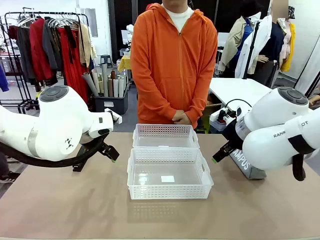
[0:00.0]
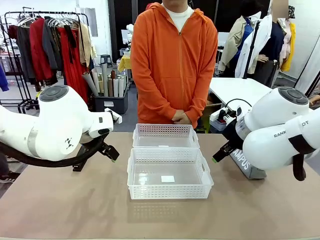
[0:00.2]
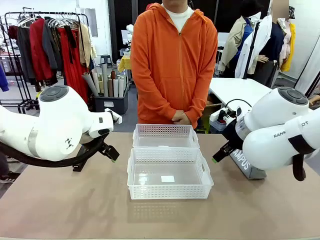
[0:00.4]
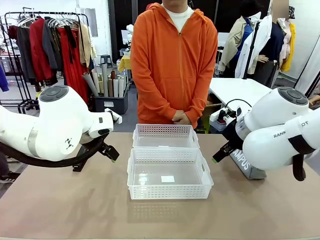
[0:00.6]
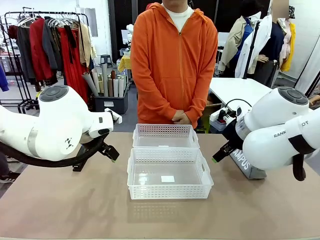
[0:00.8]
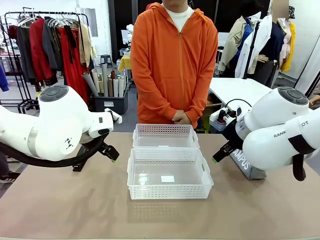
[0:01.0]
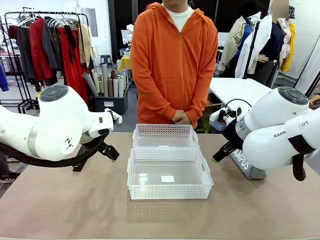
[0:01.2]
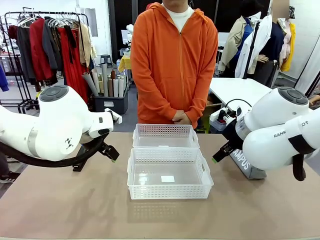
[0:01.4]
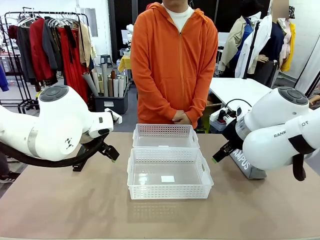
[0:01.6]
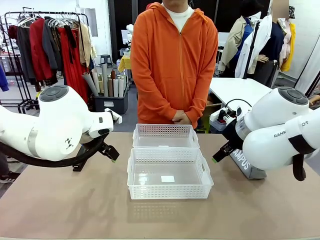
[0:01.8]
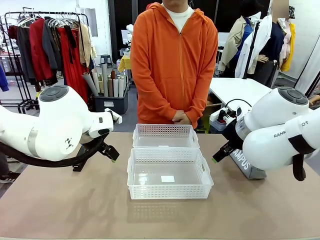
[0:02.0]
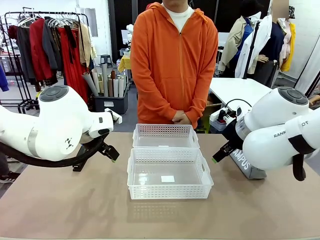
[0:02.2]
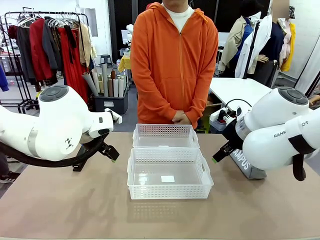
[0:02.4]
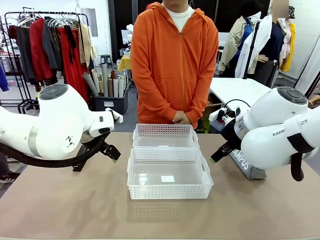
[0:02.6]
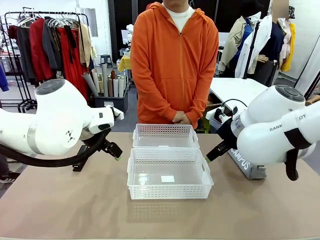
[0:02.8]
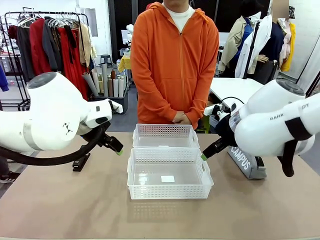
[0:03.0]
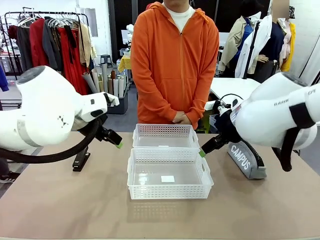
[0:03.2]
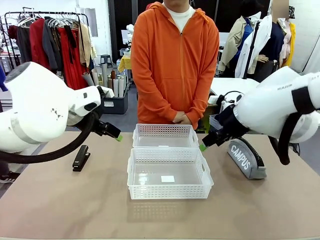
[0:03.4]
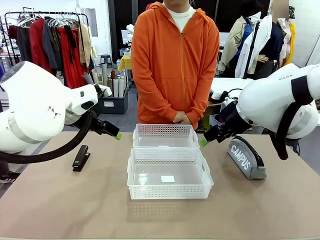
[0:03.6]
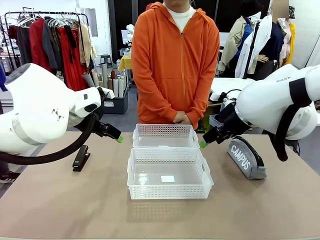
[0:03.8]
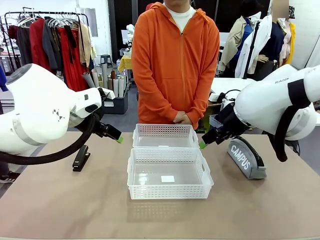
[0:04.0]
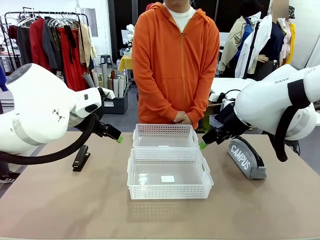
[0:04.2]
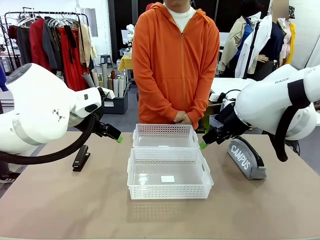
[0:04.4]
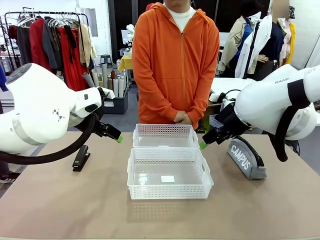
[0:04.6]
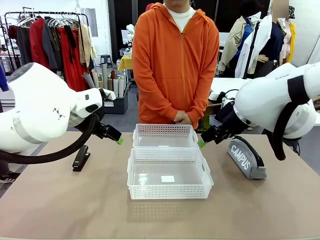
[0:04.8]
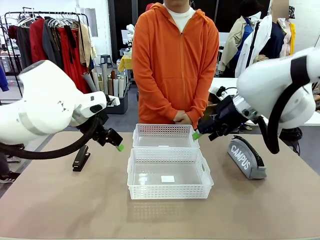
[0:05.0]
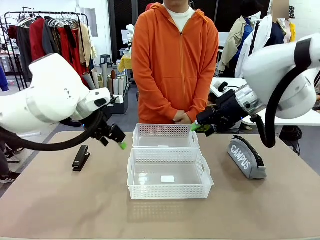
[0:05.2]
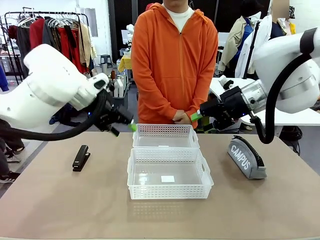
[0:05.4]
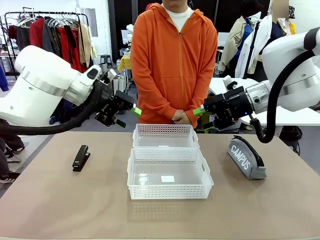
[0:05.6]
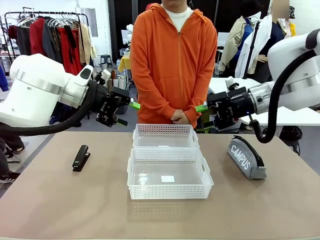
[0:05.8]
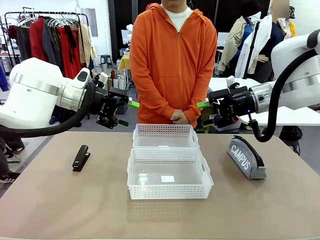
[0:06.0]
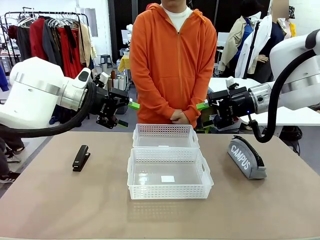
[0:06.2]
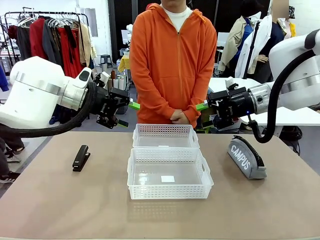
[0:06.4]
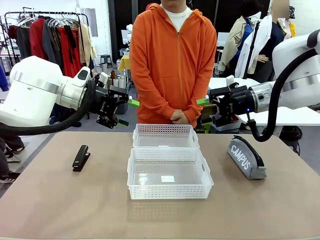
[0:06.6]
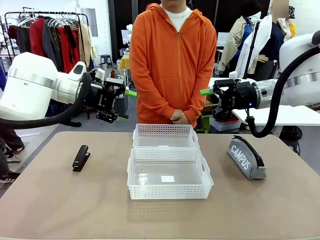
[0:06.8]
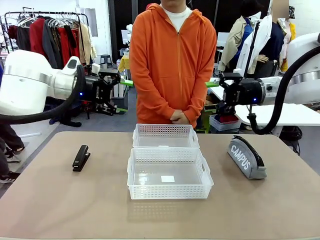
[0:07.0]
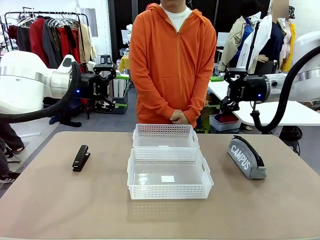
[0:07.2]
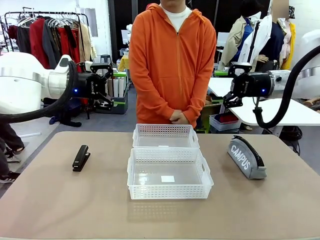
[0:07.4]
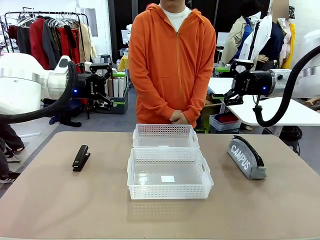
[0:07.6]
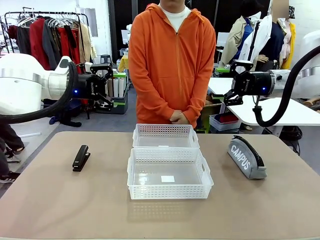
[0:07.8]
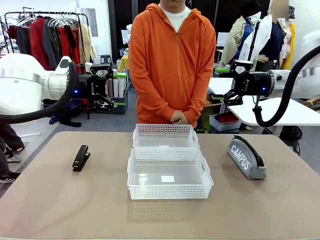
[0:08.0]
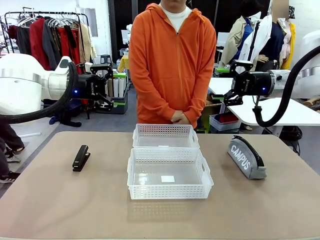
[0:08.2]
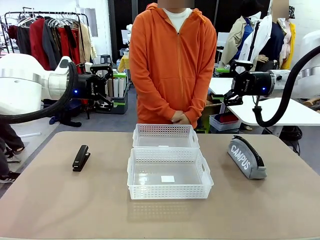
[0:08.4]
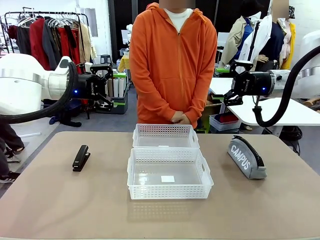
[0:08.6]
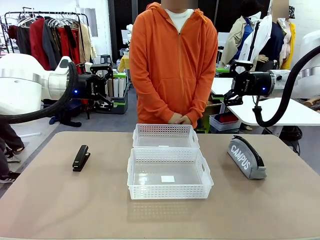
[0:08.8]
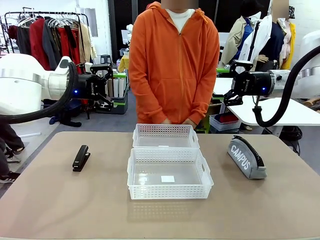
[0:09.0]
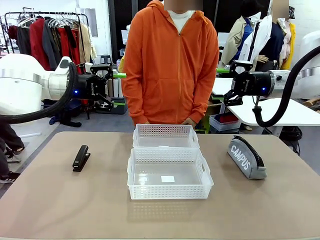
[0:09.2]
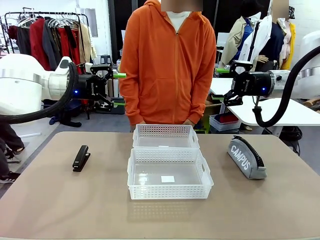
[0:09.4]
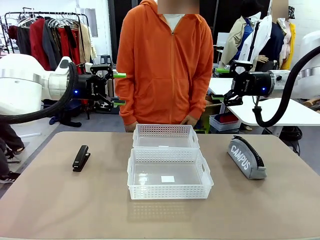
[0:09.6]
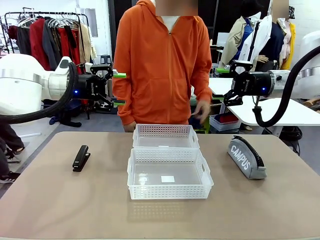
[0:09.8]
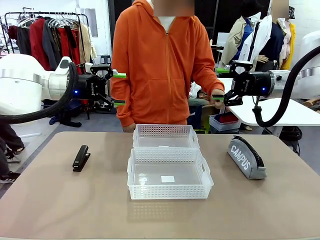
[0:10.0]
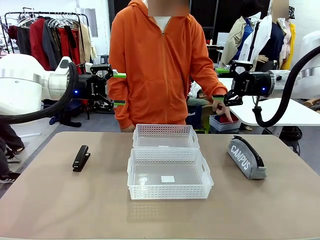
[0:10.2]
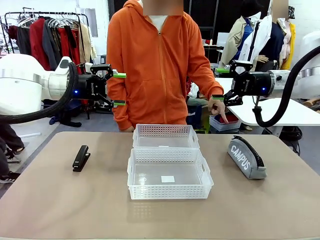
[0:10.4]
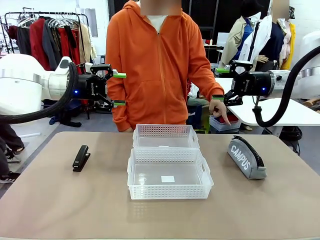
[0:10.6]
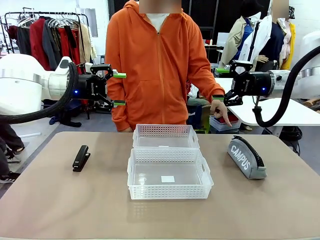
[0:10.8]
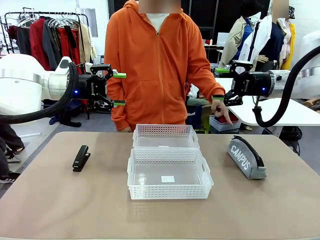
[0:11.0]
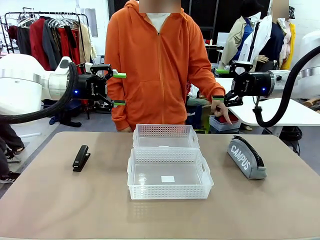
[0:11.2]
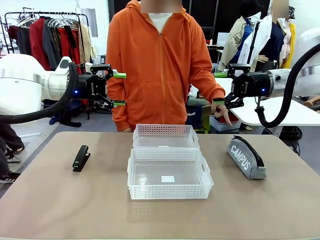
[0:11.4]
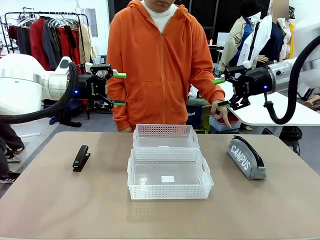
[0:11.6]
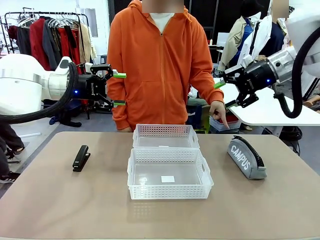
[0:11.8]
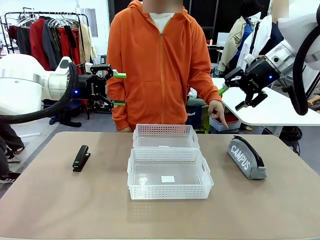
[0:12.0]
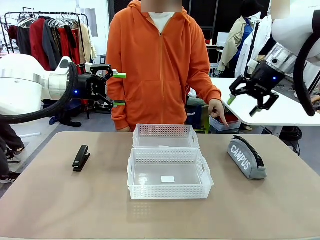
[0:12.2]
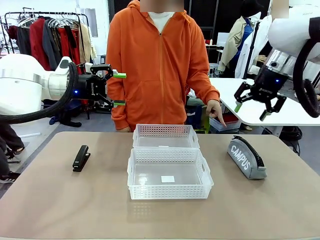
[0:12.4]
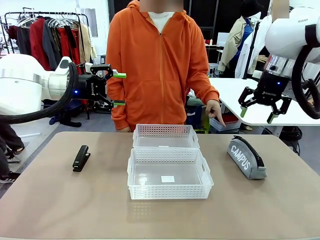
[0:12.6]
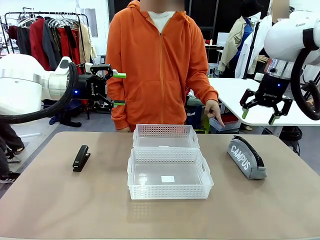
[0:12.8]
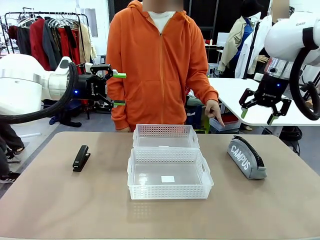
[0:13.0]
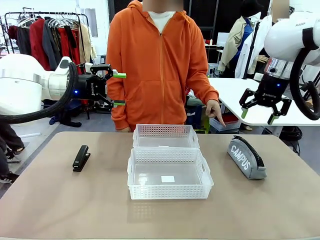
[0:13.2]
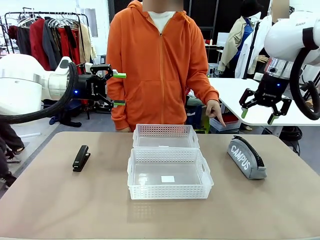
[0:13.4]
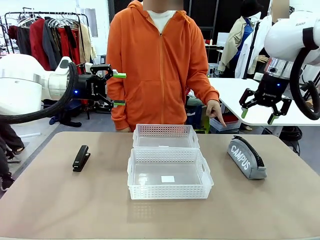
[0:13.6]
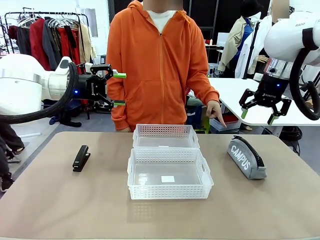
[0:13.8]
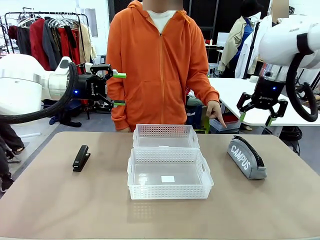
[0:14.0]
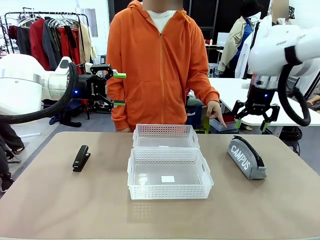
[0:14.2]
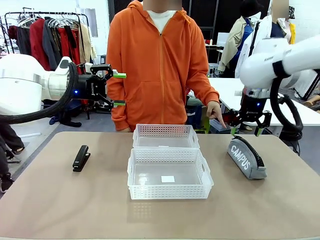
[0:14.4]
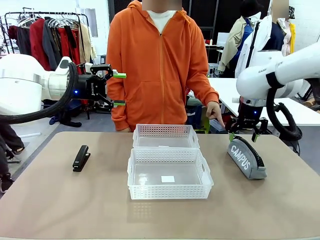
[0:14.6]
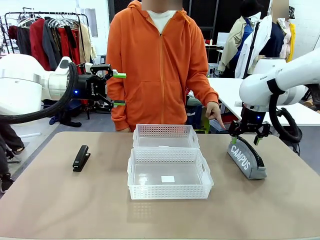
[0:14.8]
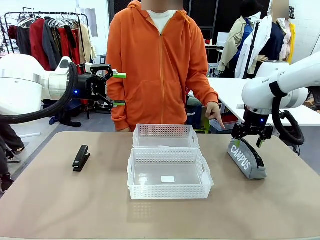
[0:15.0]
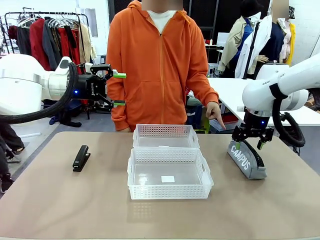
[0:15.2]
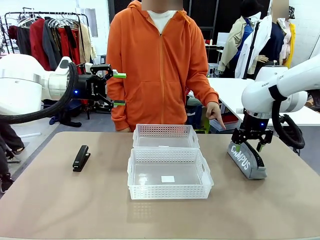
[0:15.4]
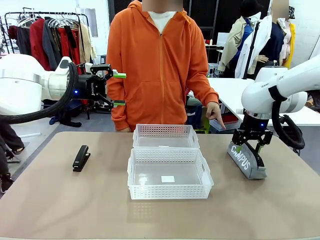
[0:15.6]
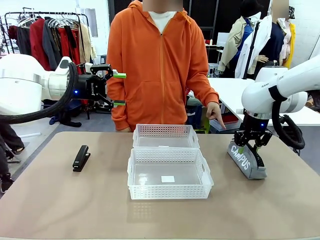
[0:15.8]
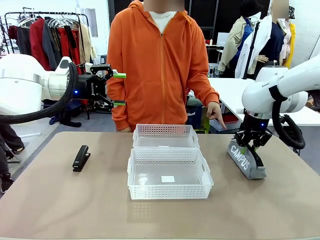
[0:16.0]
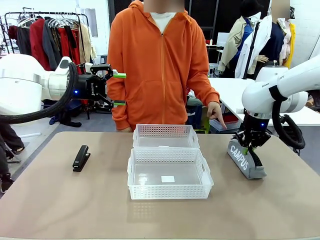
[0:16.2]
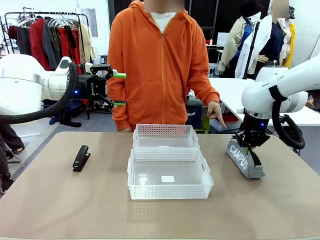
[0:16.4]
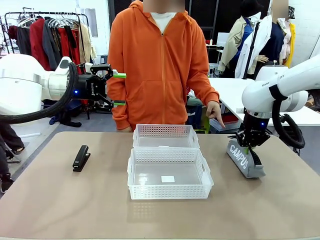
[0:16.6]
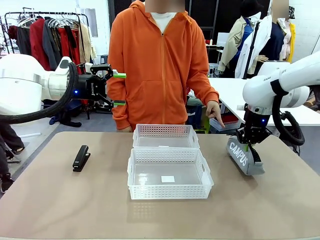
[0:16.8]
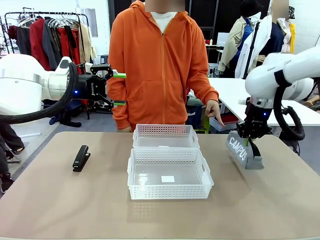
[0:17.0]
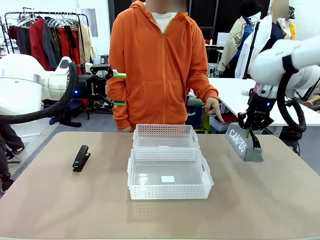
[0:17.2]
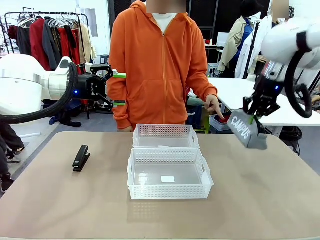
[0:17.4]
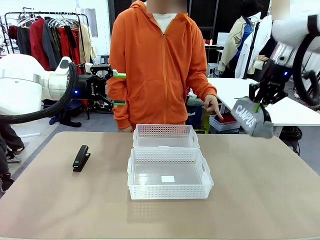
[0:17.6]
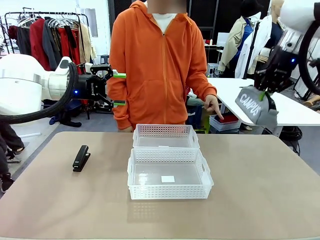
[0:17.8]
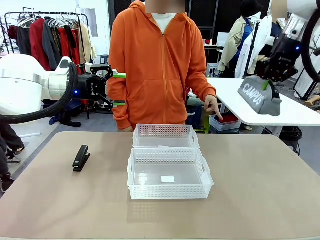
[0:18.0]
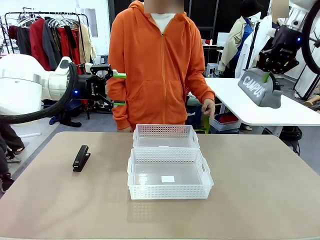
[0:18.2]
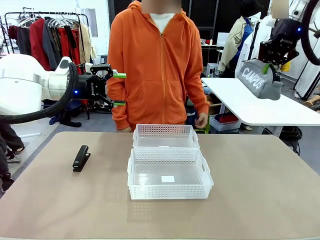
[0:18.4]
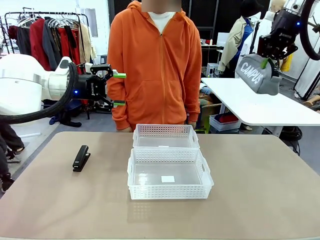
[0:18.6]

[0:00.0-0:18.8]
Task: Distribute items into two baskets.
Robot: Pick up the Pencil pouch that the person points to.
Person: Points to the pencil case. Points between the two organizing baskets and instructs the robot to move the pencil case.

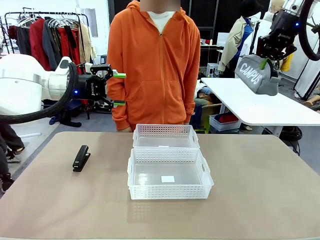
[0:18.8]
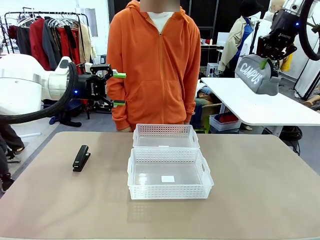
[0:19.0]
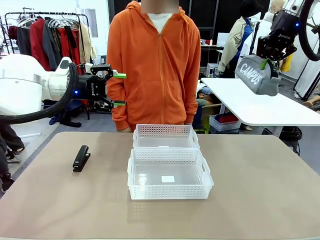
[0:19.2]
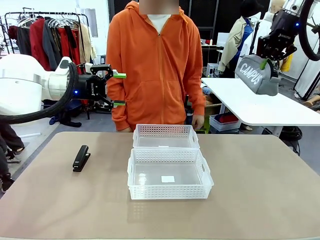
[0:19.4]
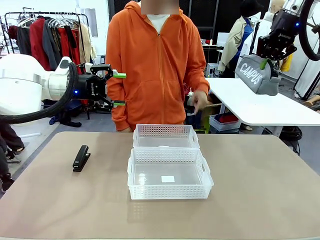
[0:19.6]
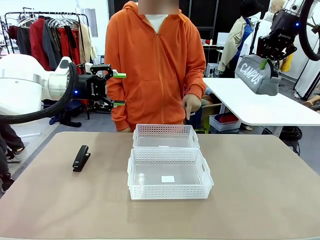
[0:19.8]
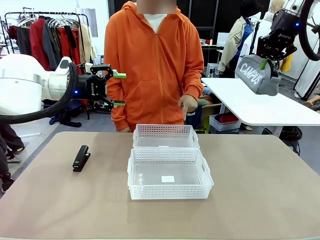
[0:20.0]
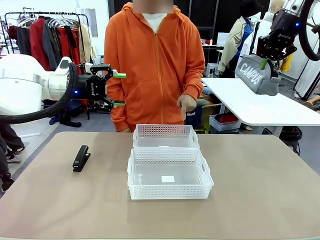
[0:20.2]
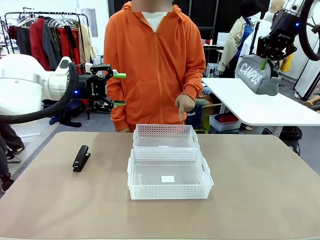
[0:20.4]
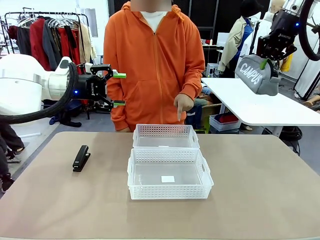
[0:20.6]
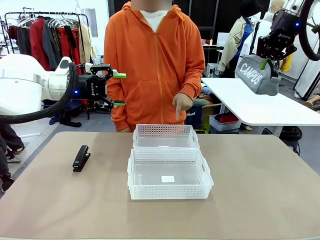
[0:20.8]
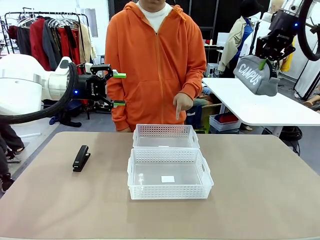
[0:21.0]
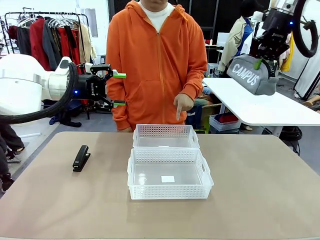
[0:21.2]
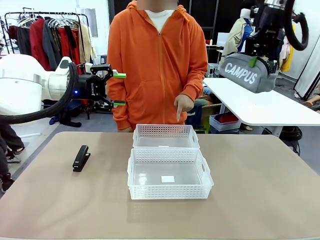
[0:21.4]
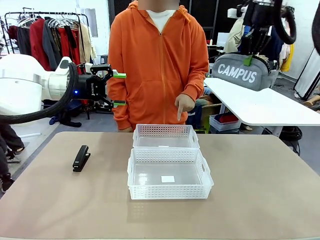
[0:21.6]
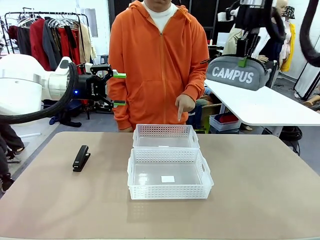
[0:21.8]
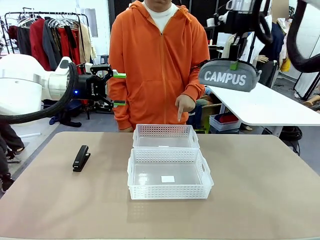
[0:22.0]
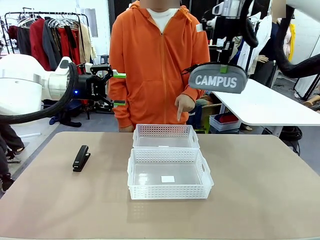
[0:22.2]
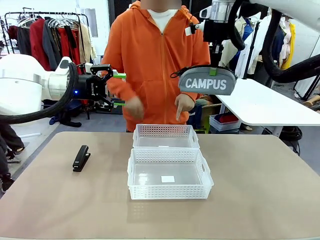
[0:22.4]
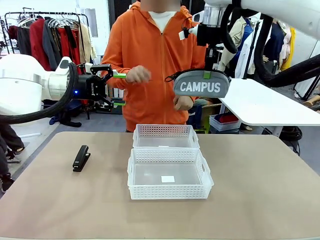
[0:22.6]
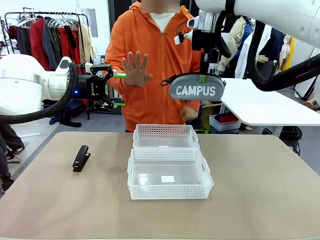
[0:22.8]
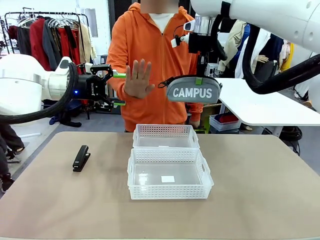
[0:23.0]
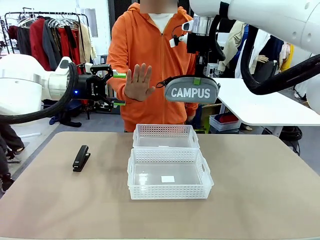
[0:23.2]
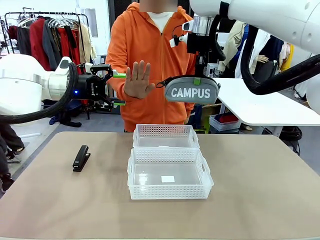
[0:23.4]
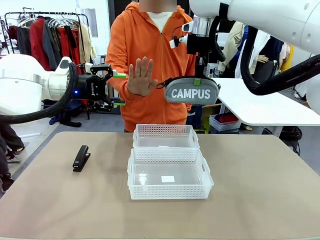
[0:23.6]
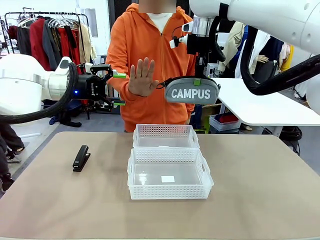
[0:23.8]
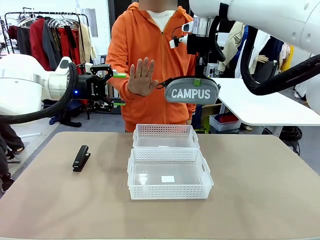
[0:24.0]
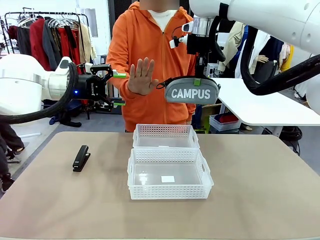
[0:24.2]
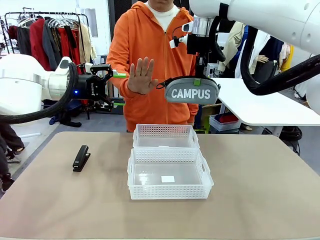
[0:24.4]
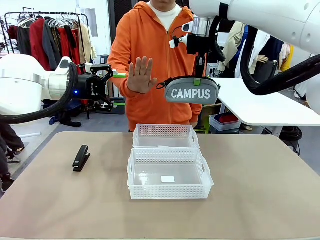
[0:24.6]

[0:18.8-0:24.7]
Robot: Move the picked Pencil pouch towards the Organizing basket indicated by the person, stopping as directed.
Person: Sends a stop gesture before the robot places the pencil case into the basket.
